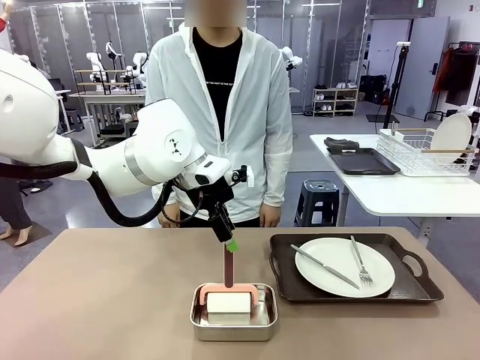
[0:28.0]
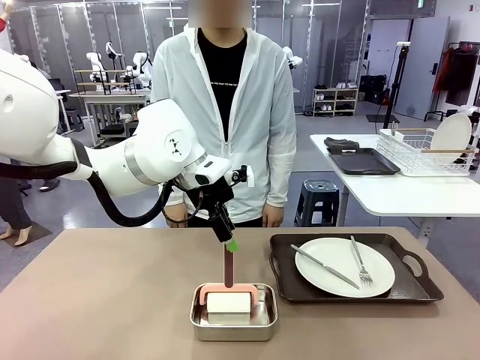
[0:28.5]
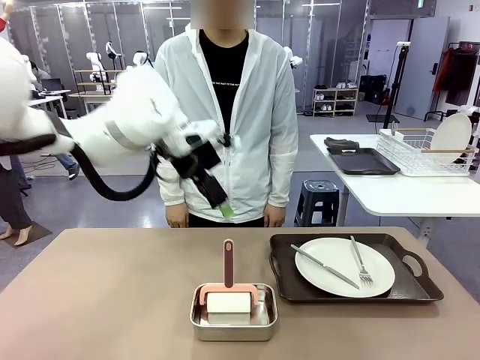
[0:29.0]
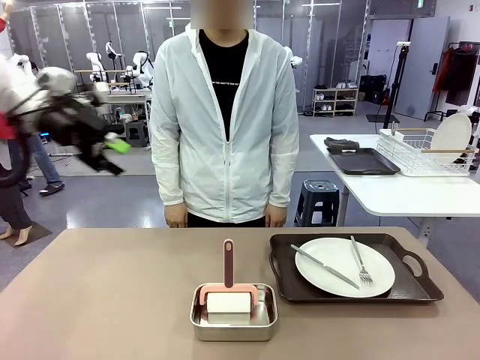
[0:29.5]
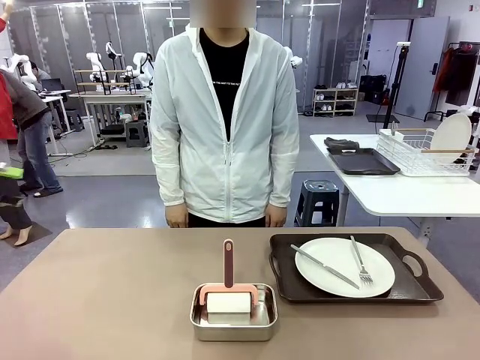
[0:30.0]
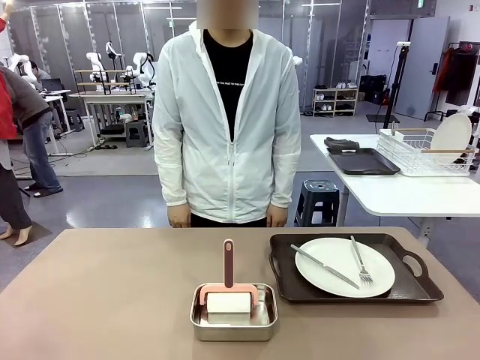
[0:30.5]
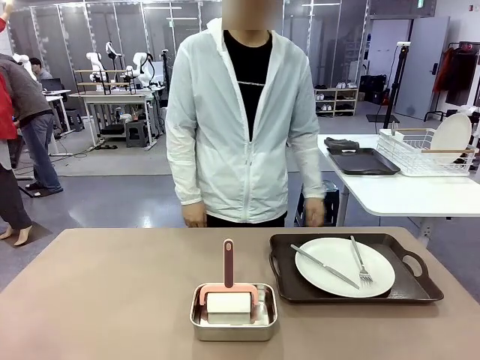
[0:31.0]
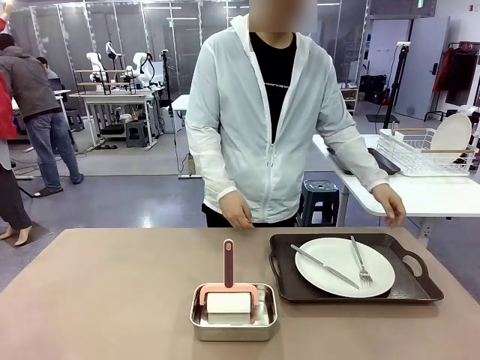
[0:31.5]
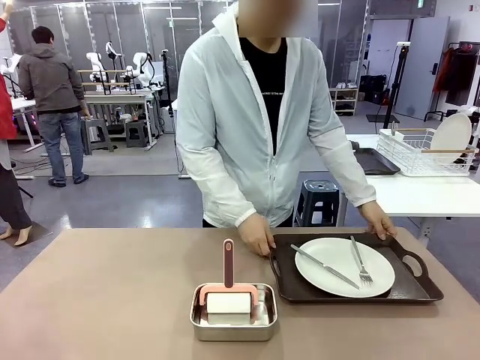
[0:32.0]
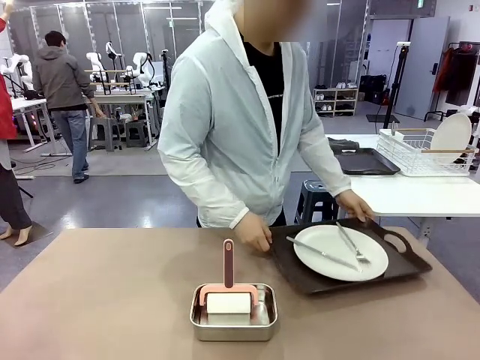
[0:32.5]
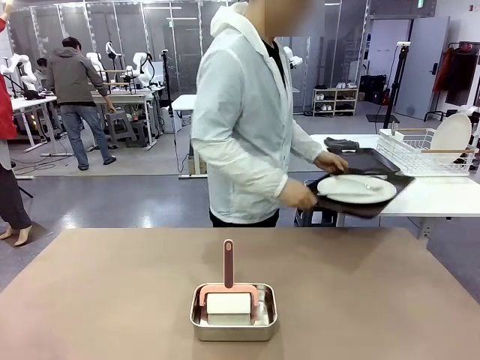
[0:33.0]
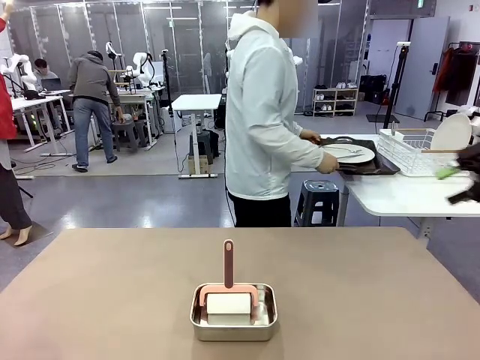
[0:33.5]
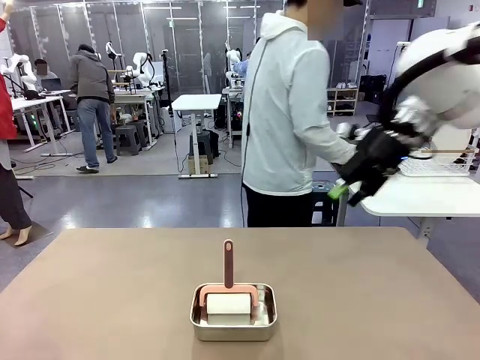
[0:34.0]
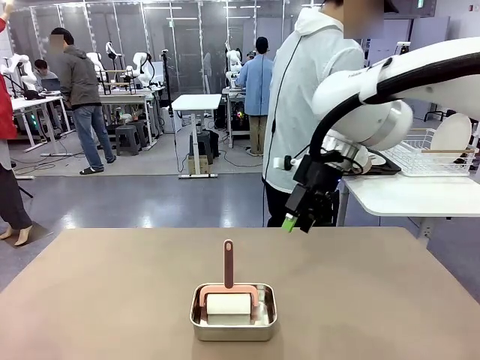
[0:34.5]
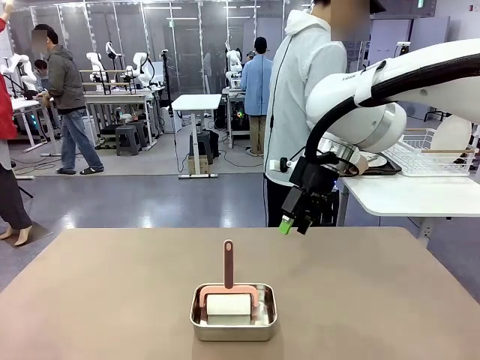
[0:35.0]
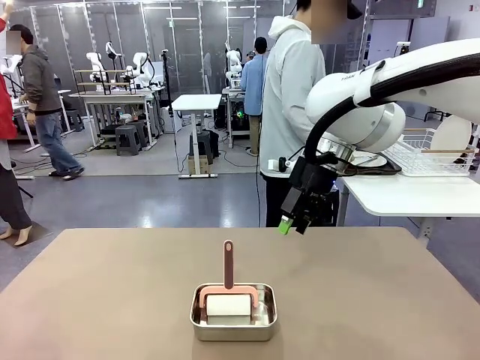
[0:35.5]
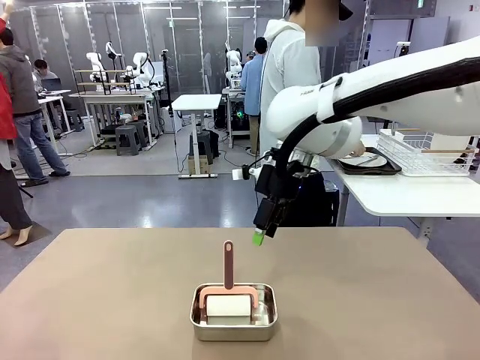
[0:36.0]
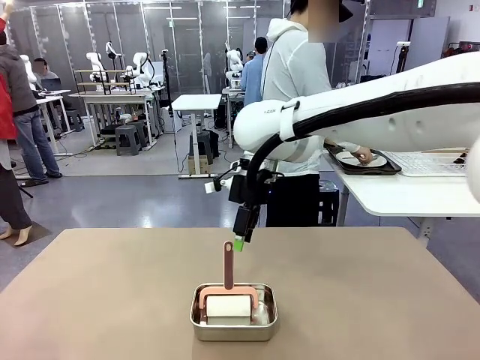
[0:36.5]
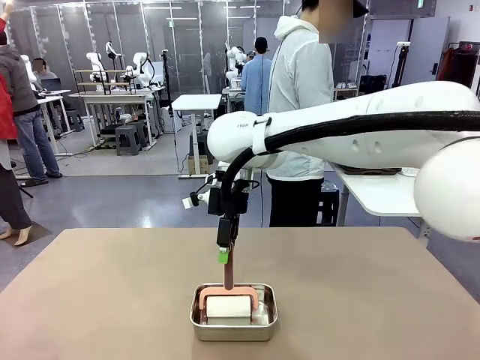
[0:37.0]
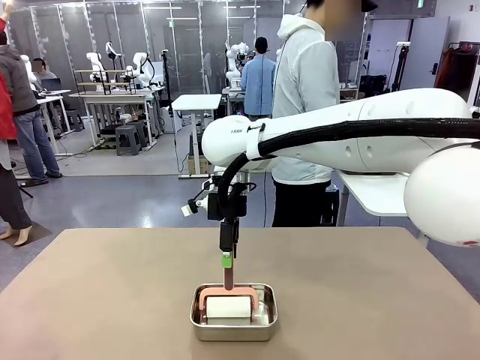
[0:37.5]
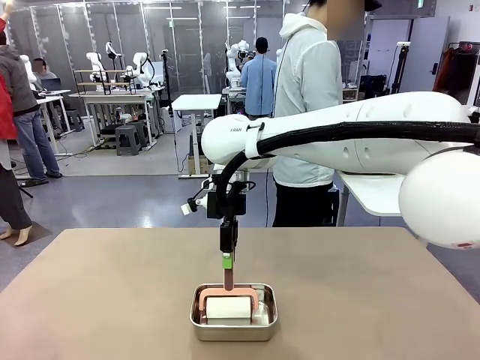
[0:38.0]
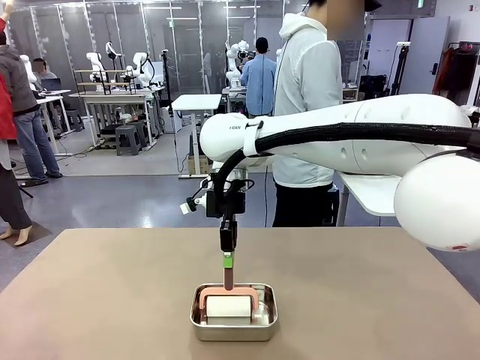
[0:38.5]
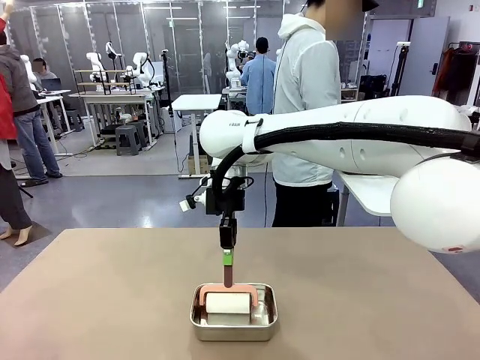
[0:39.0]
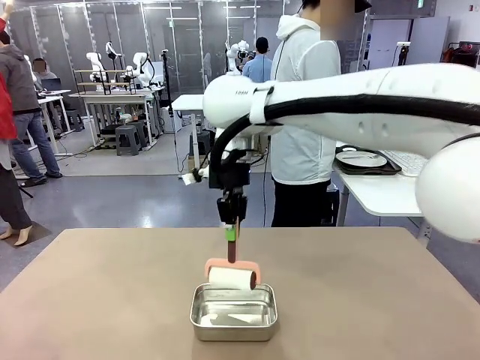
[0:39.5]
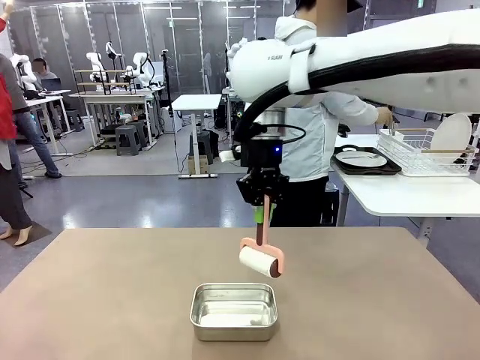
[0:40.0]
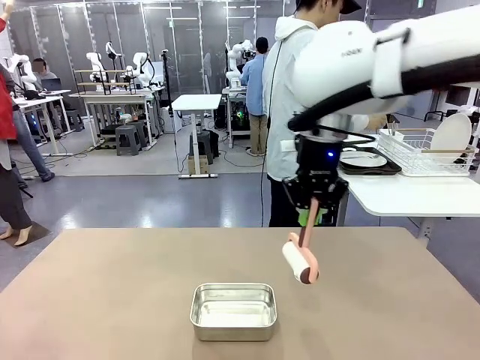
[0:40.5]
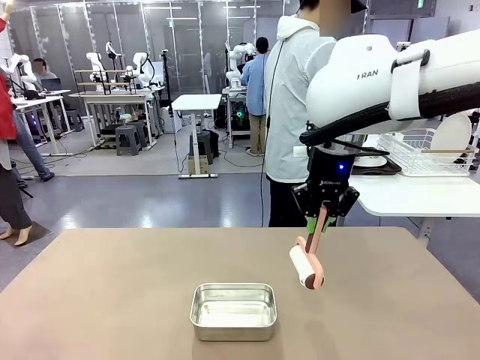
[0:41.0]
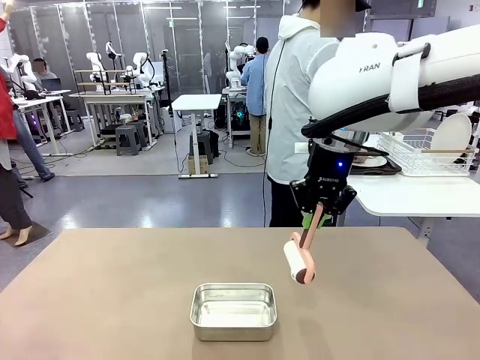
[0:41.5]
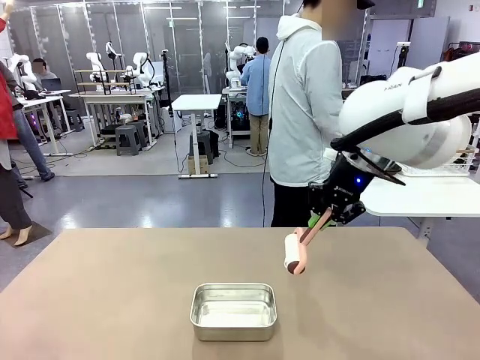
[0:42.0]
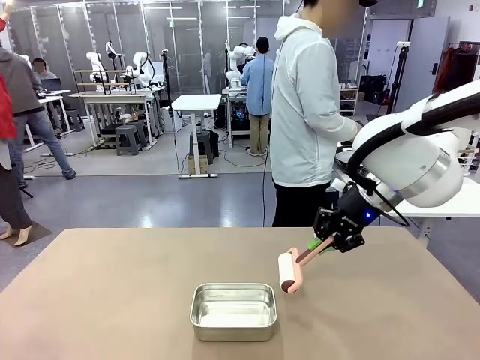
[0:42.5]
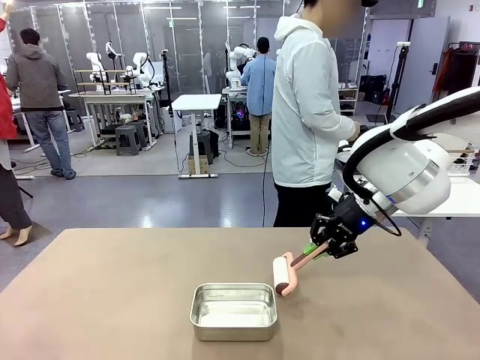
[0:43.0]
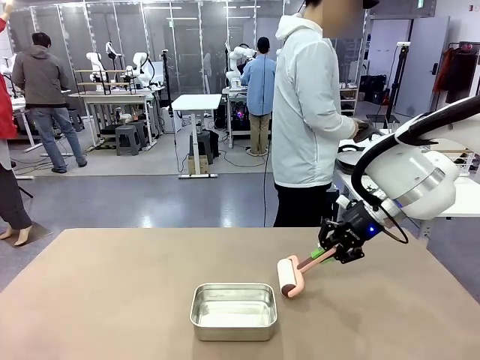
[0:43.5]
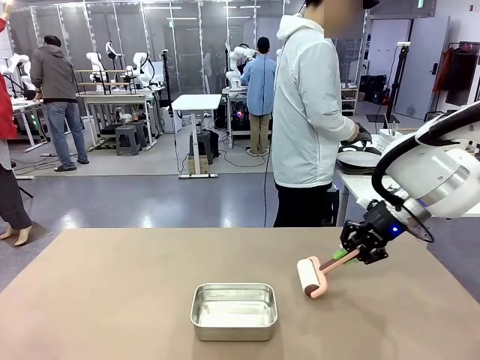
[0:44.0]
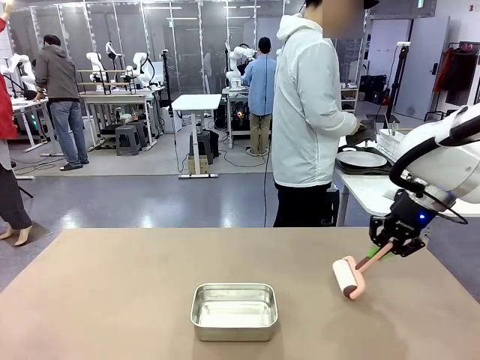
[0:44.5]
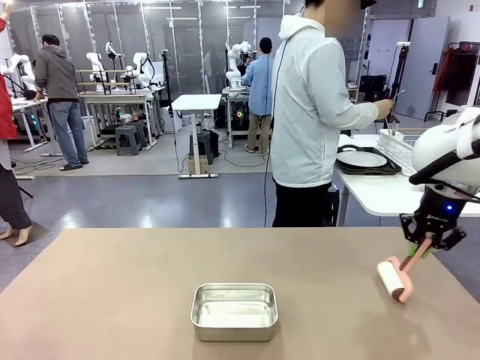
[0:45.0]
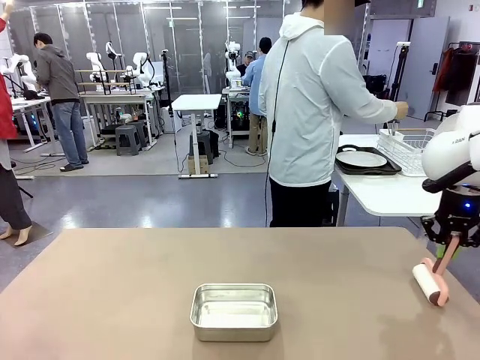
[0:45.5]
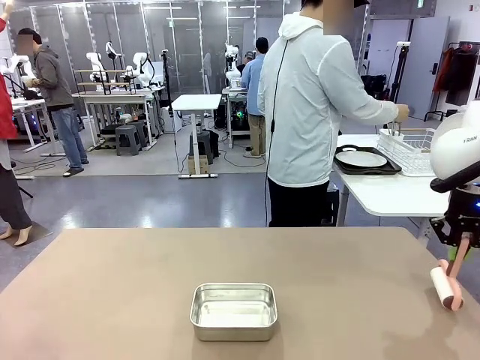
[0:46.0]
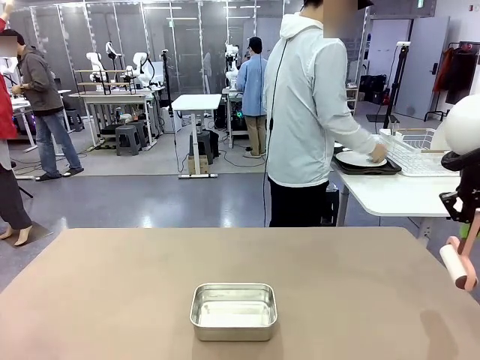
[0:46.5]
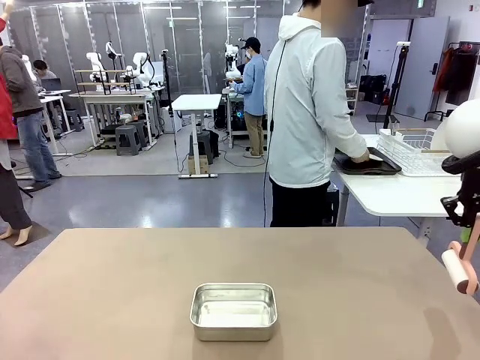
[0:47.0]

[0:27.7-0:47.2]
Robot: When the right (or left) Handle tray is removed, use the right hand (or left hand) to clean the right (or left) side of the table with the Lint Roller.
Person: Pick up the left (or right) Handle tray and place it on the Handle tray.

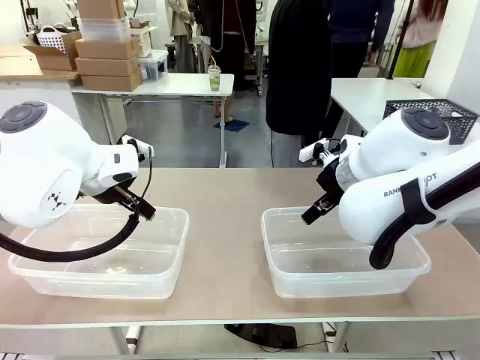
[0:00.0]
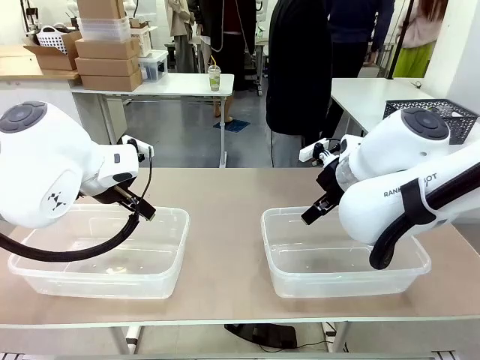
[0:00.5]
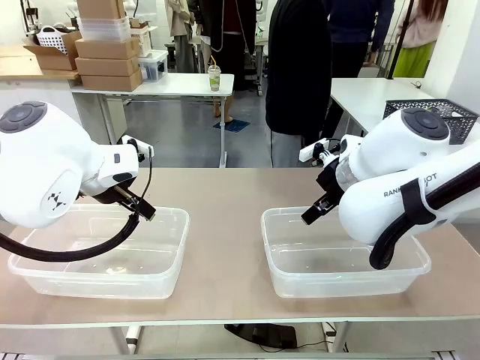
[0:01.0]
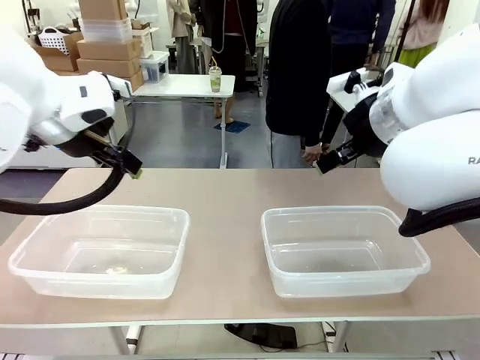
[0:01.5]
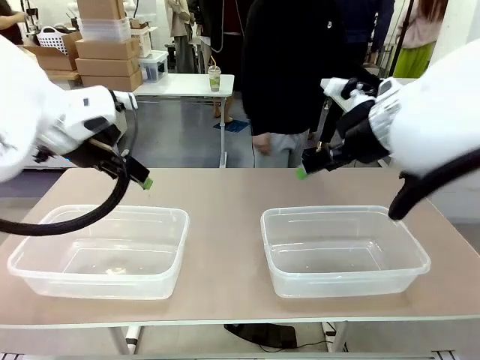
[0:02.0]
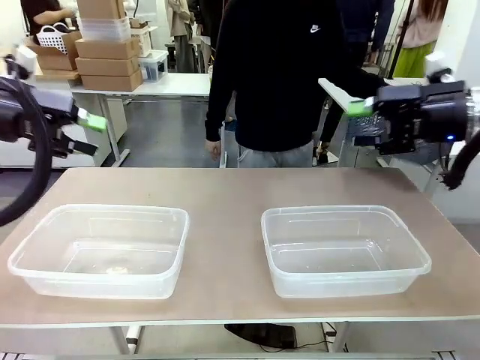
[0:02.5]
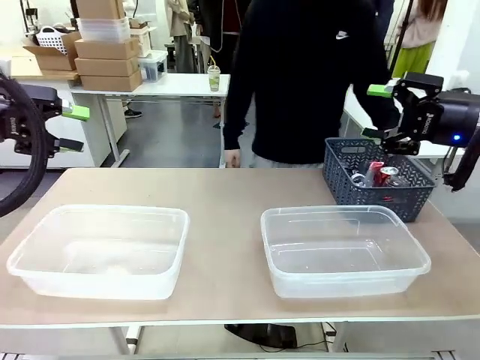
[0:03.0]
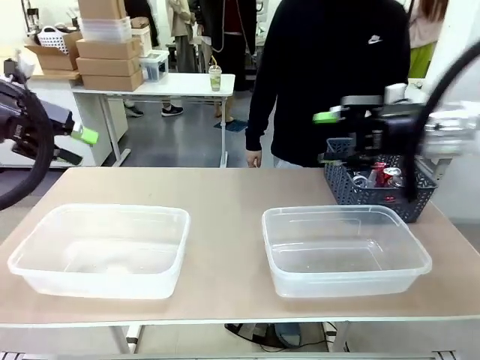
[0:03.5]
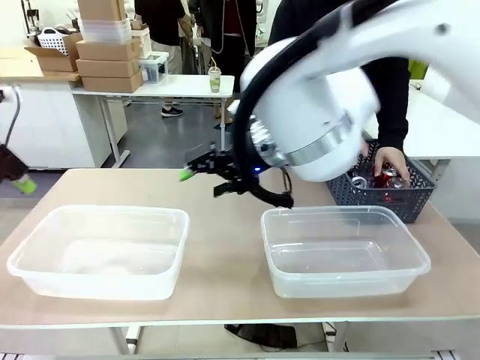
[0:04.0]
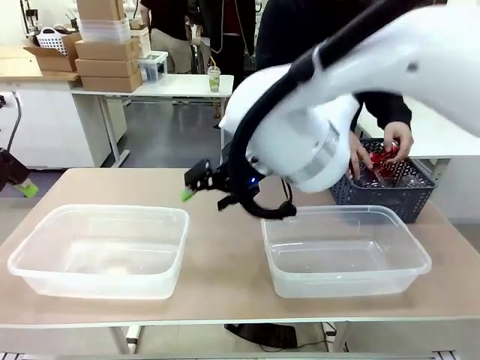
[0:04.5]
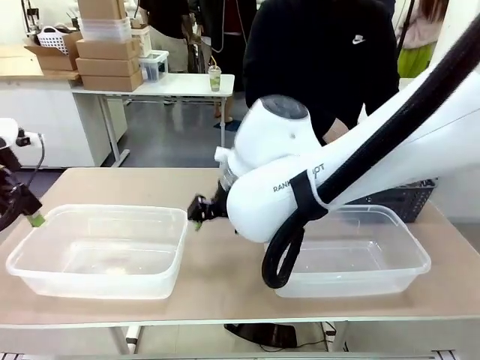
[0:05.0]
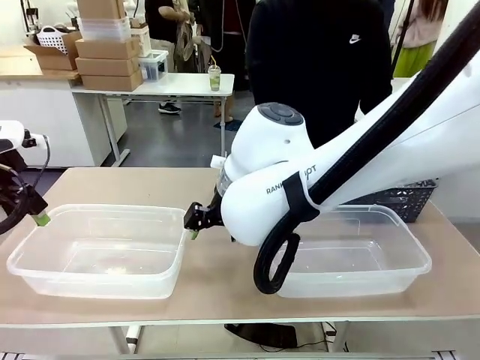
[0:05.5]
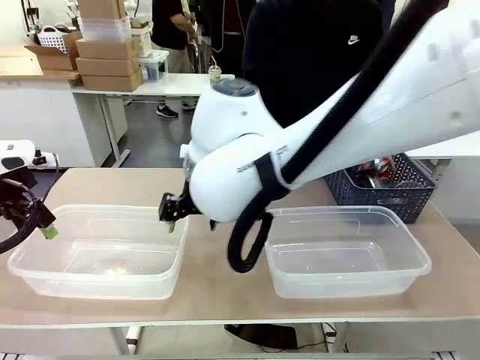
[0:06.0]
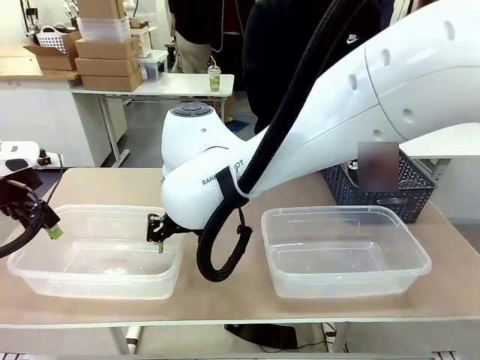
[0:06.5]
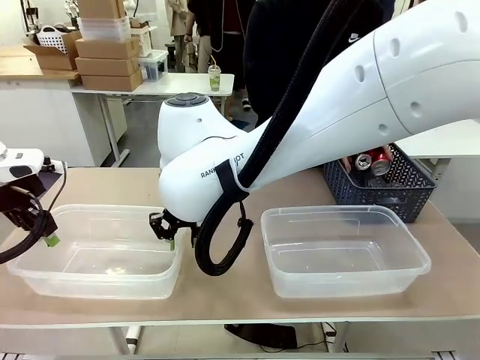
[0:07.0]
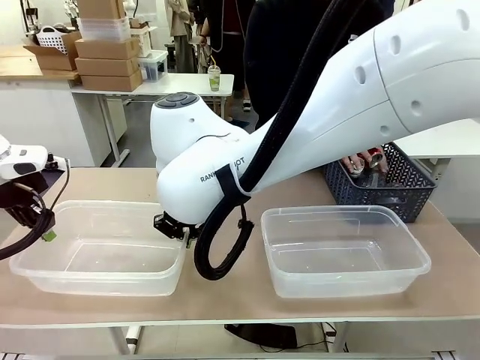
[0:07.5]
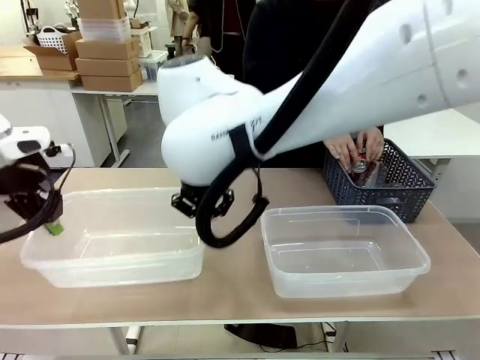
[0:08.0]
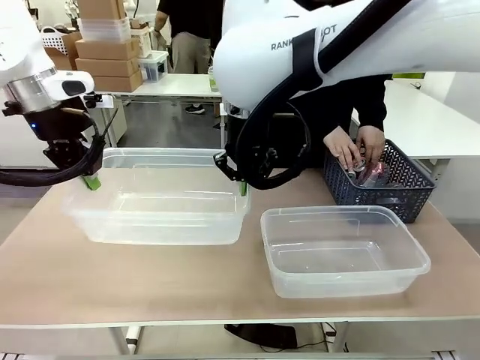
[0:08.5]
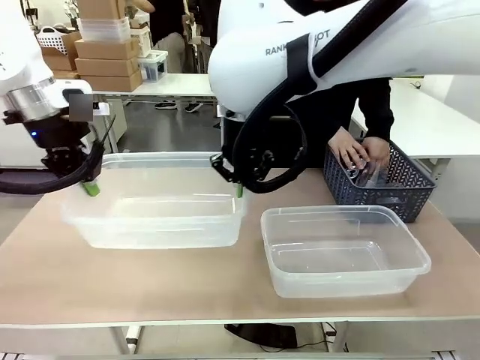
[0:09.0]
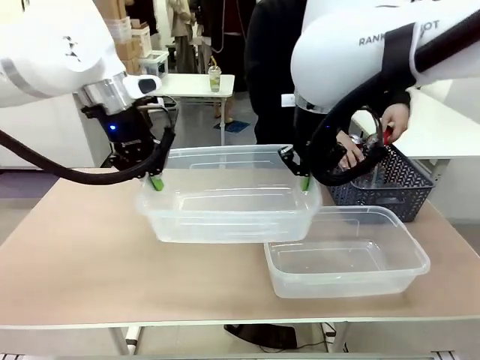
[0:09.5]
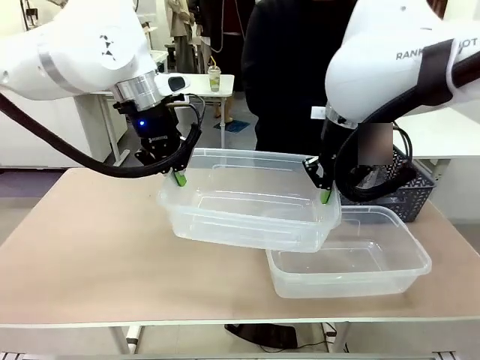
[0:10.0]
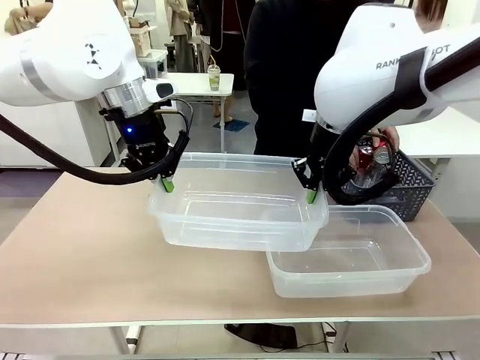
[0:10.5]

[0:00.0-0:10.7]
Robot: Pick up the Organizing box on the left side of the table and lift it.
Person: Pick up the storage basket and place it on the left side of the robot table. Pick up can-shaped waste one by one and place it into the organizing box lifted by the robot.
